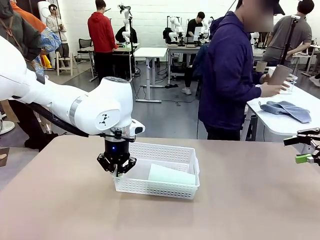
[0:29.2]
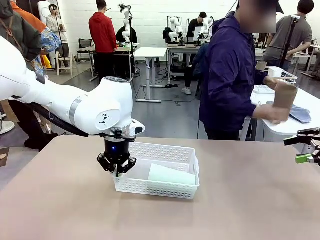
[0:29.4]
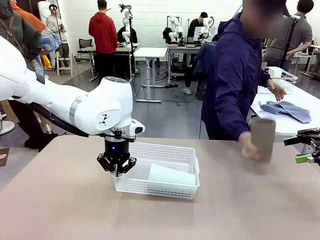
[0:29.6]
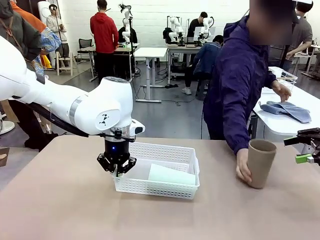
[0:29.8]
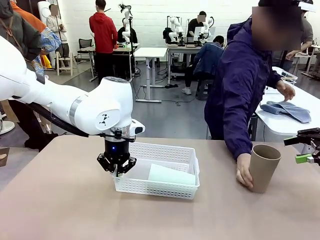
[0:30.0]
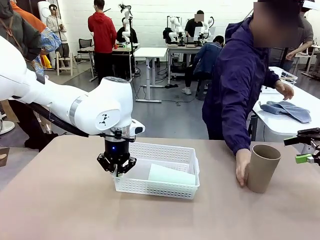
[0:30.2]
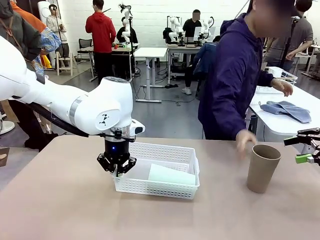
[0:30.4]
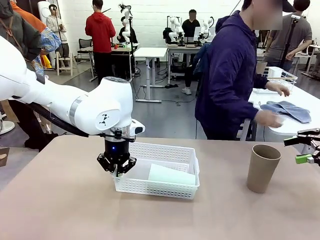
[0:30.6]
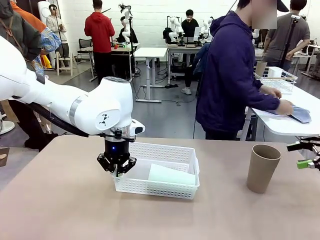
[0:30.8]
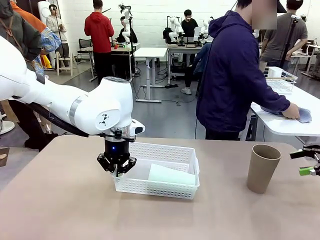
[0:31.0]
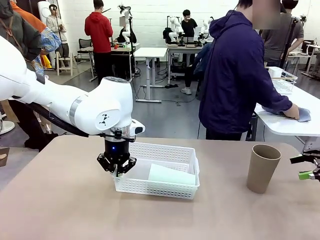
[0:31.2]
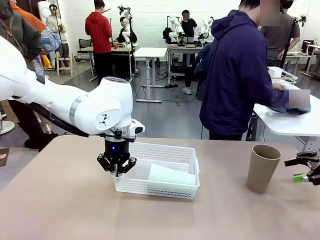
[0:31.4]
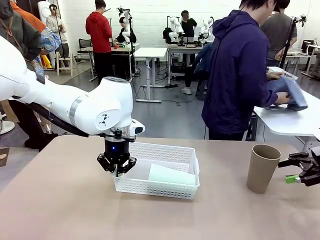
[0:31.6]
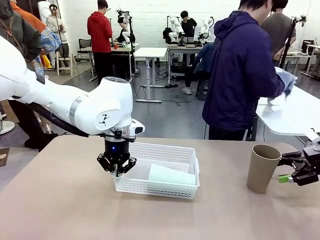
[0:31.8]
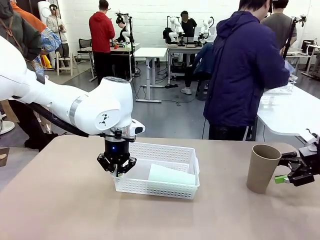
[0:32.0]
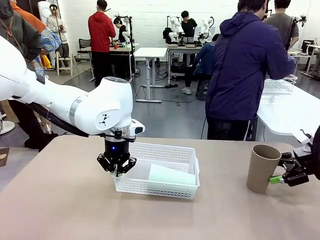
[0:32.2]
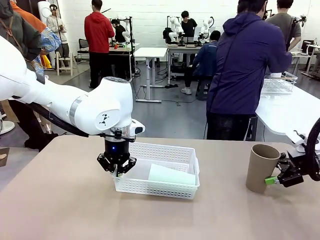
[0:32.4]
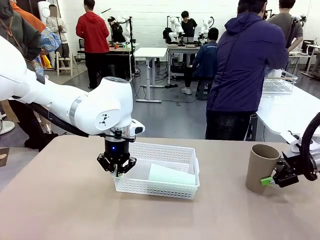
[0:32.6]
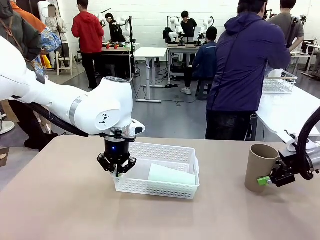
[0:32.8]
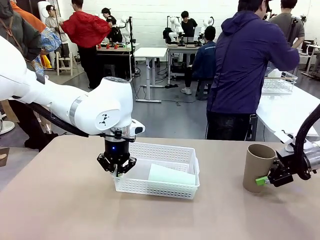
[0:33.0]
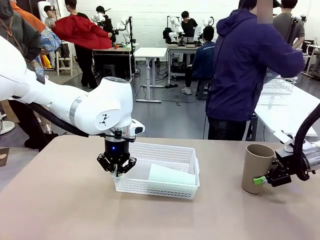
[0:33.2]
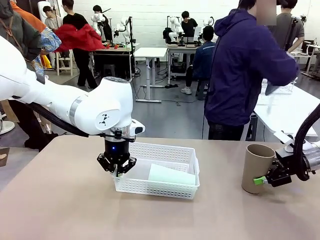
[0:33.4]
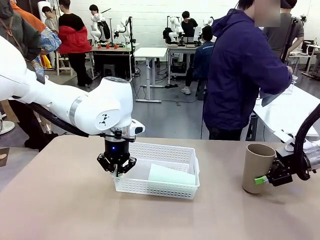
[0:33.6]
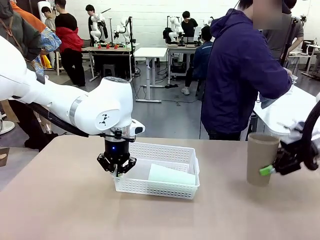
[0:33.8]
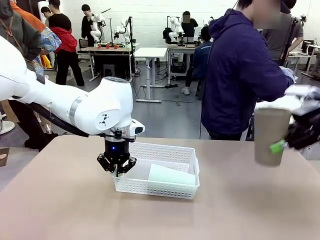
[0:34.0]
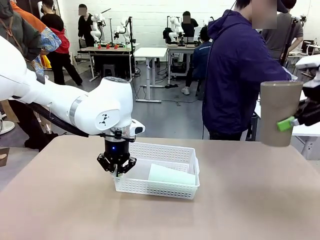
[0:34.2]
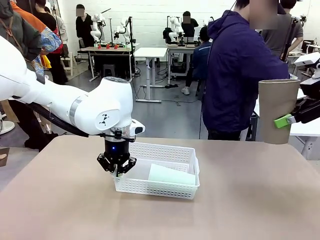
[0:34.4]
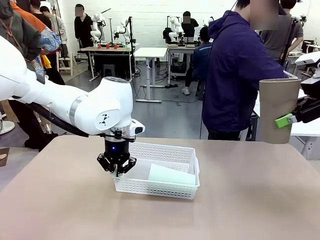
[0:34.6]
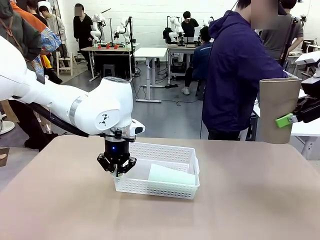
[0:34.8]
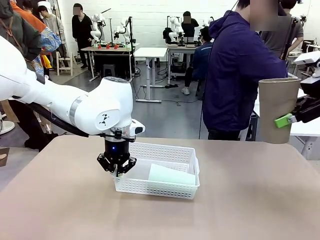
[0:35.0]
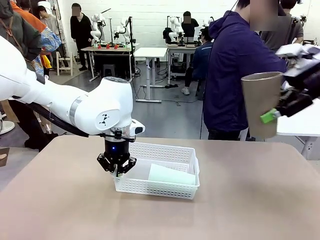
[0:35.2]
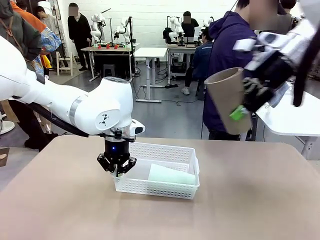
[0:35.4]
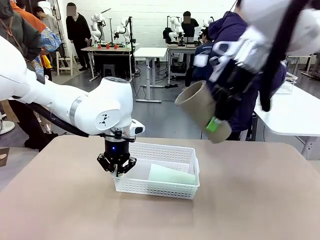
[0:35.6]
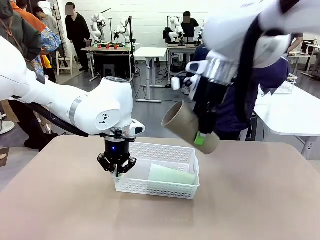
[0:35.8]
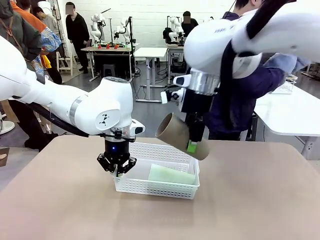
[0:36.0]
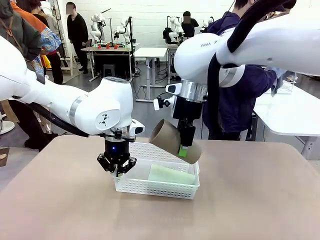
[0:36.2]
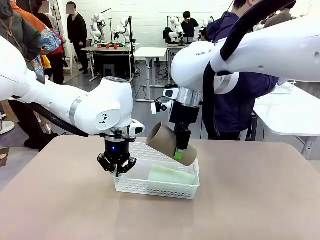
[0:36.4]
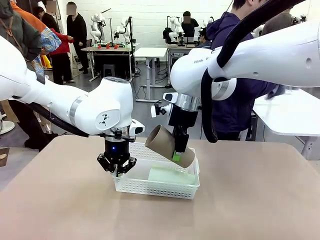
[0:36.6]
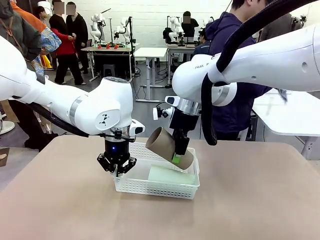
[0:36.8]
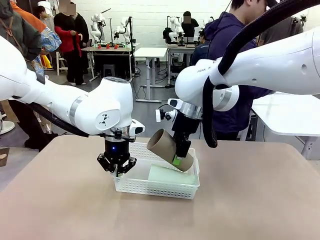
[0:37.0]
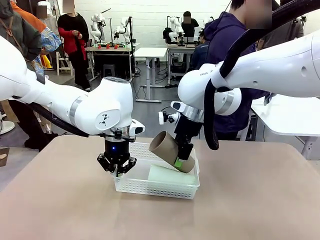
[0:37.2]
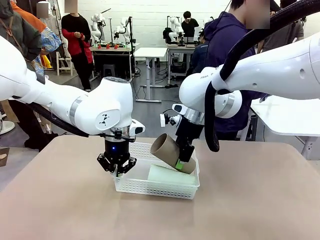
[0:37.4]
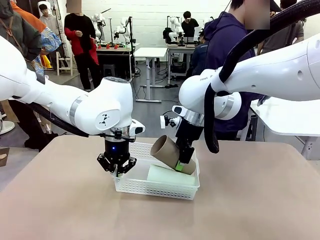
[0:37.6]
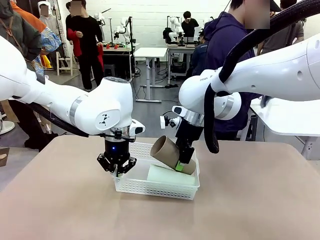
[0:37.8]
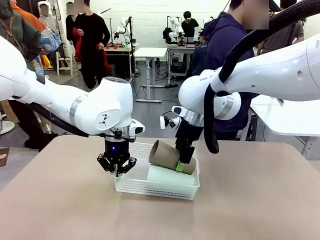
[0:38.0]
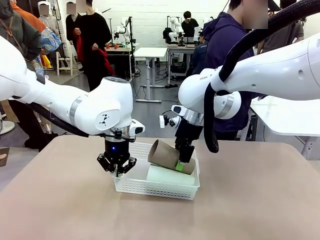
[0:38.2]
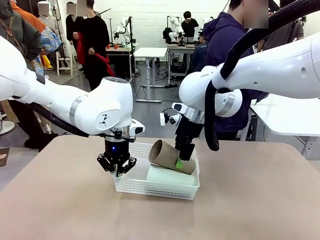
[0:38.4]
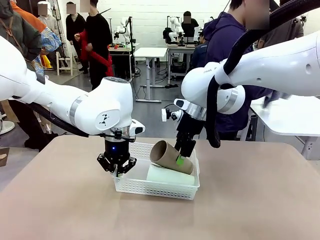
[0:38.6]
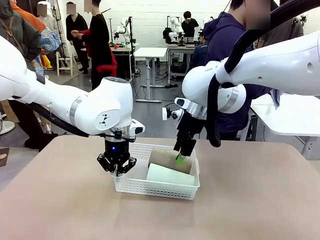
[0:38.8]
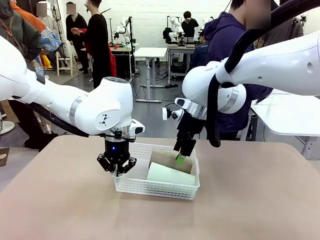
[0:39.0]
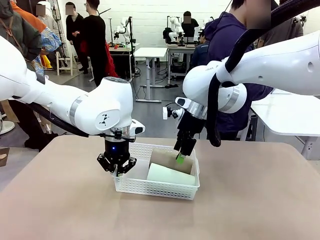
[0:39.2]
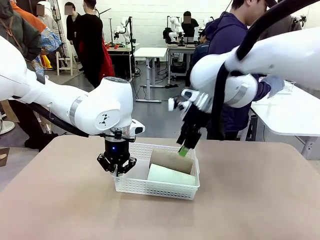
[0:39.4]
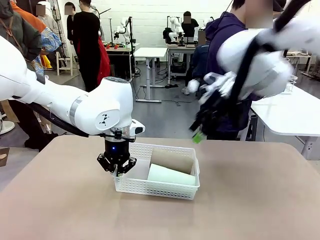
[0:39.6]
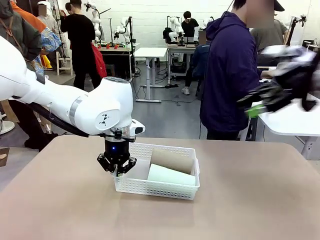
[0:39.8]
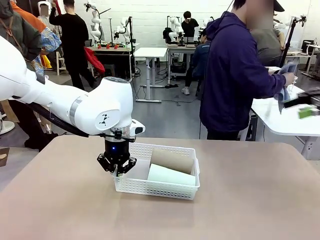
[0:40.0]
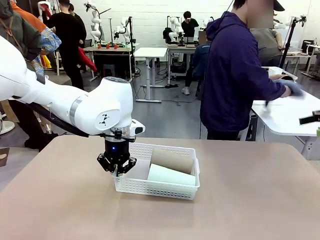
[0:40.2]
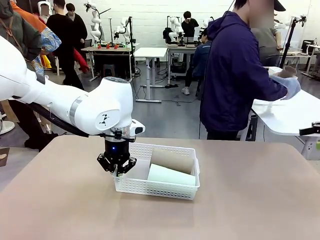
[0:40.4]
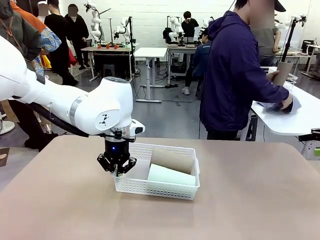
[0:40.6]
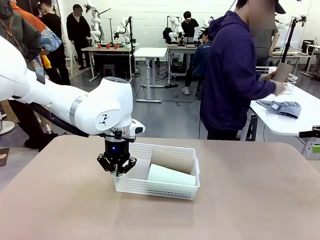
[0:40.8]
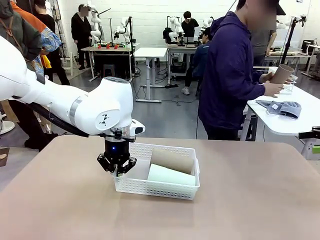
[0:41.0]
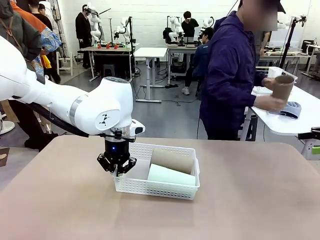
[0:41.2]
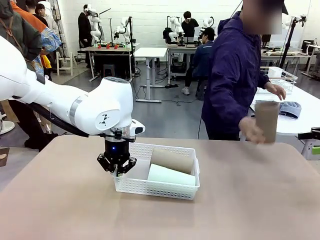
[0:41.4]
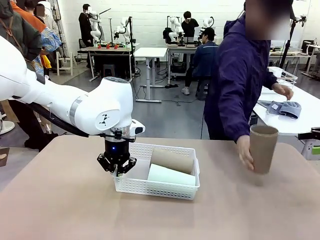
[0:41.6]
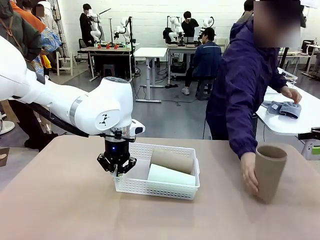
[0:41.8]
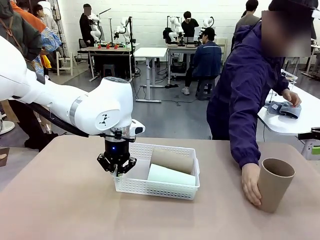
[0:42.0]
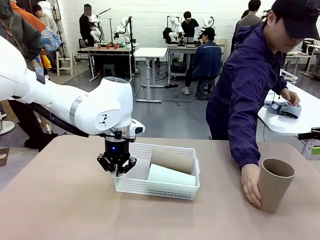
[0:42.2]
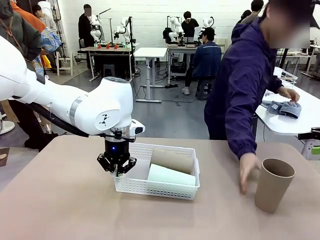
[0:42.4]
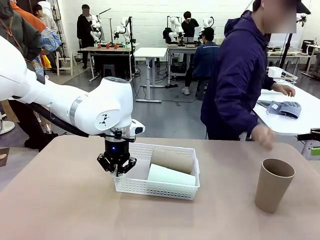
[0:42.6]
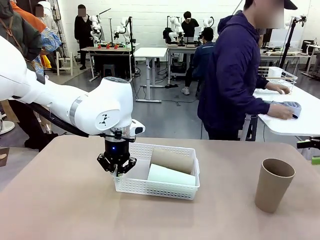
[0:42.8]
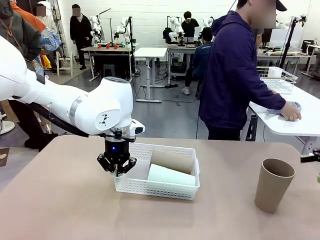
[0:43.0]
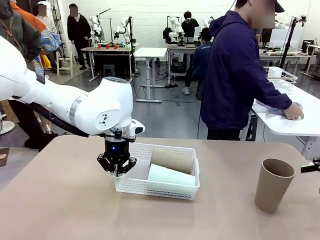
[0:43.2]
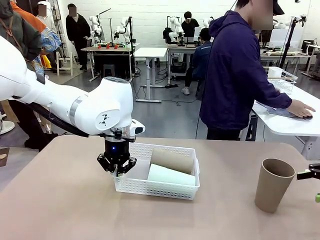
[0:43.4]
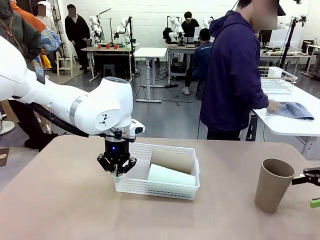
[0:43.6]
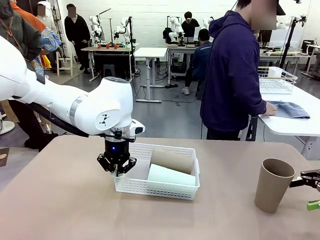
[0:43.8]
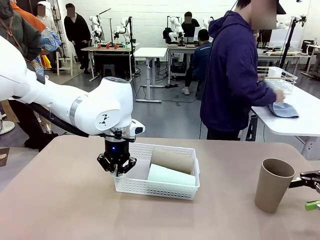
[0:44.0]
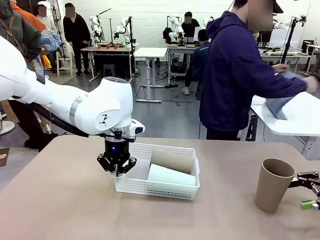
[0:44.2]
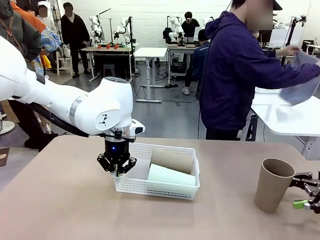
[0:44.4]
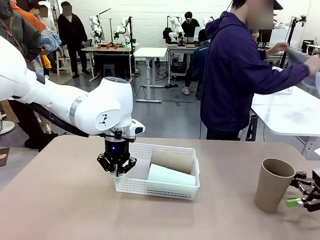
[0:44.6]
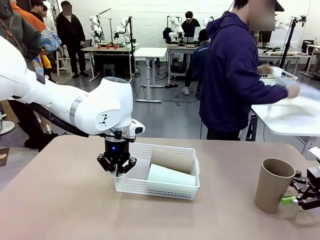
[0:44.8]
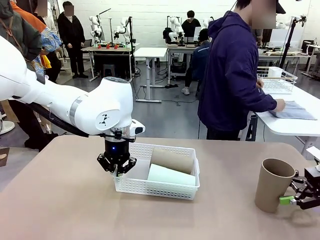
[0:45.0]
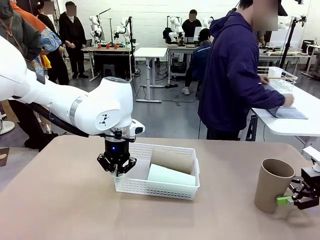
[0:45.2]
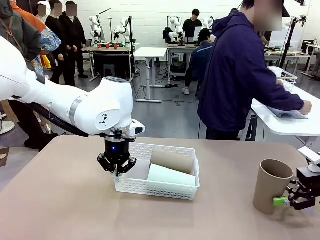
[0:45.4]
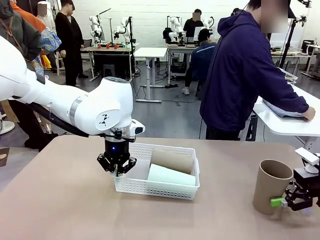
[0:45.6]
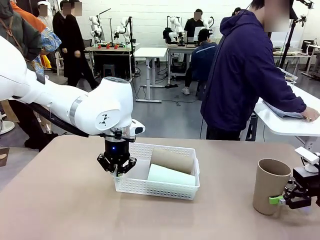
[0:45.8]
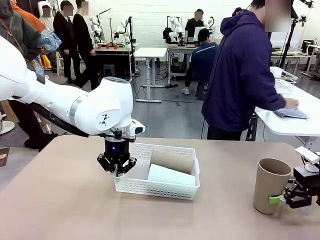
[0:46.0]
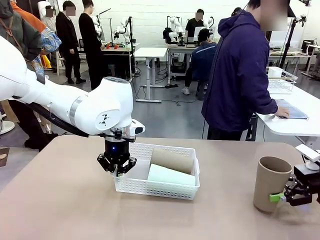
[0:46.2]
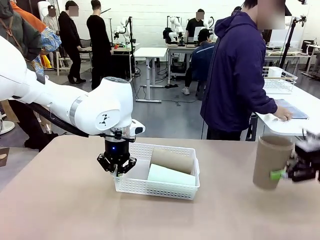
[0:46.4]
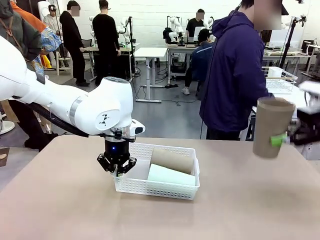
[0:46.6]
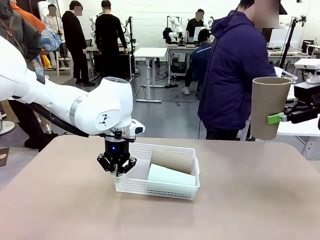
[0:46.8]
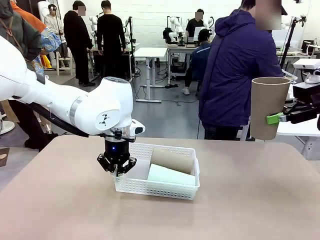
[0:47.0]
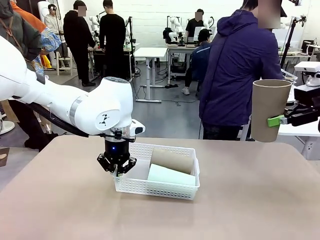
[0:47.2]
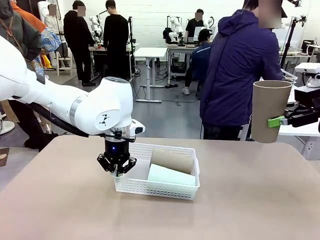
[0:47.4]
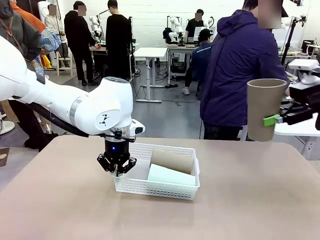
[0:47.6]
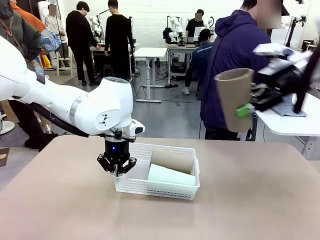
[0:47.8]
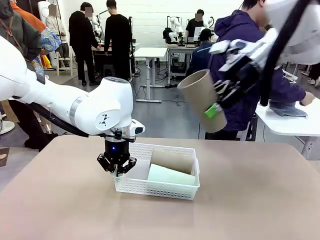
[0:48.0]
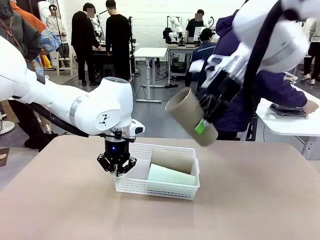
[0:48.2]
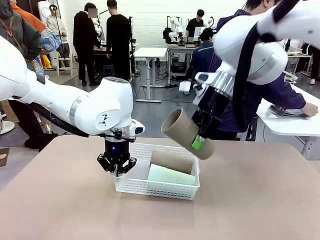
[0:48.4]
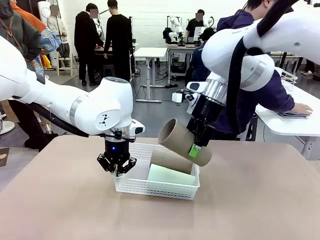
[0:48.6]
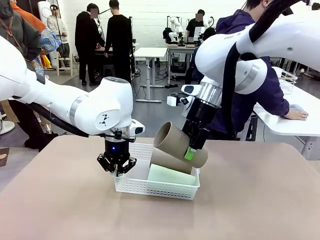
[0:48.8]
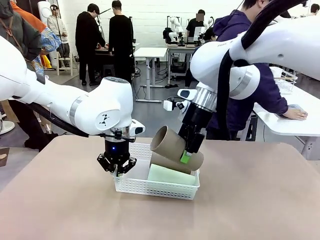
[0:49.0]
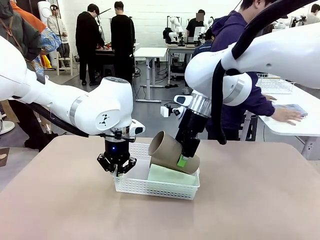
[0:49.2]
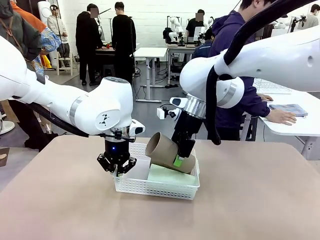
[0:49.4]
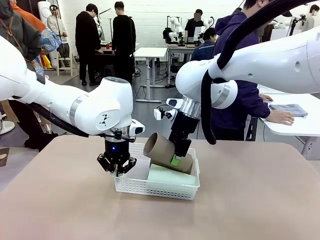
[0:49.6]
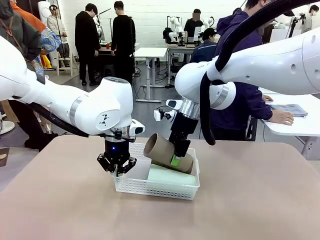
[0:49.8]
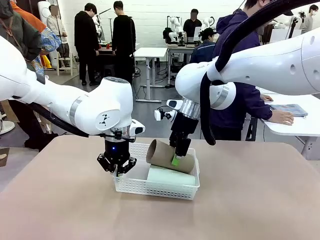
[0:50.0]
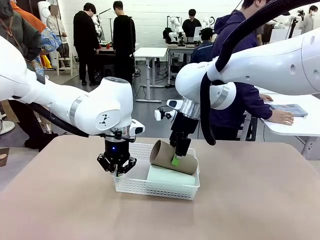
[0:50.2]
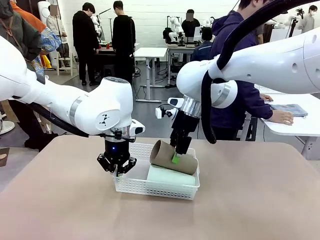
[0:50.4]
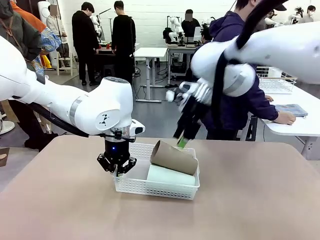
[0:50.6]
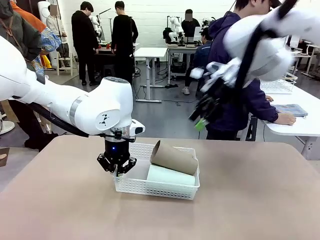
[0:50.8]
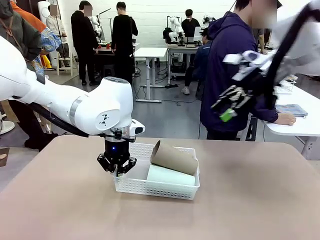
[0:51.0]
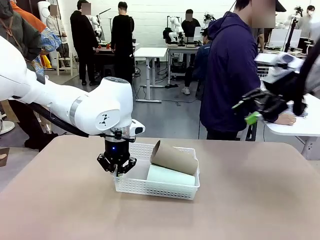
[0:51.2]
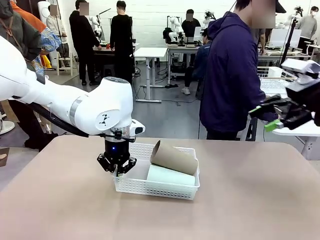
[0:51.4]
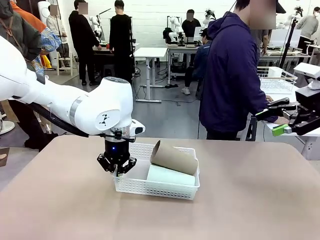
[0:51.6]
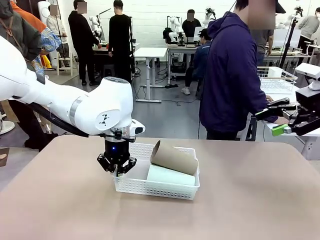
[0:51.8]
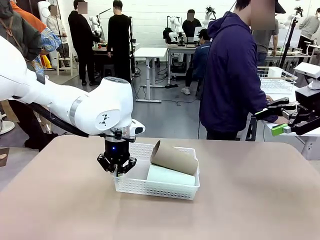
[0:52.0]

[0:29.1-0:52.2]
Task: Clean and organize the cups into the basket.
Robot: Pick up the Reusable plastic cup from the right side of the table and stack it inside the Organizing basket in the center of the table.
